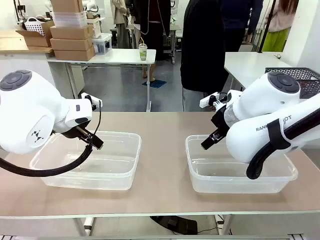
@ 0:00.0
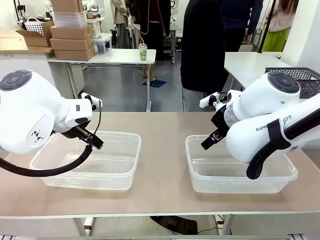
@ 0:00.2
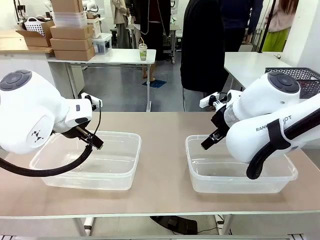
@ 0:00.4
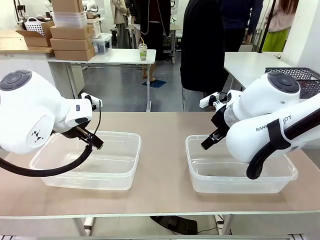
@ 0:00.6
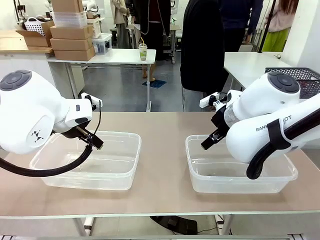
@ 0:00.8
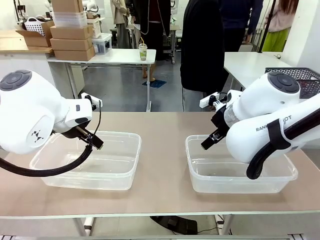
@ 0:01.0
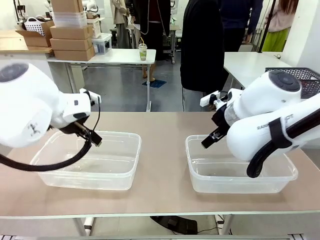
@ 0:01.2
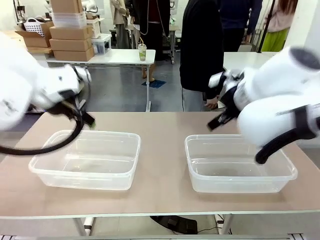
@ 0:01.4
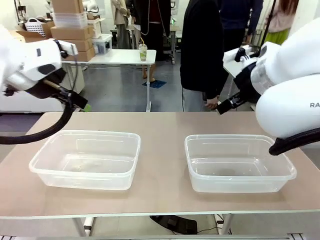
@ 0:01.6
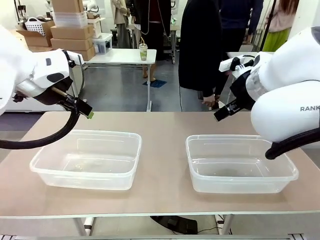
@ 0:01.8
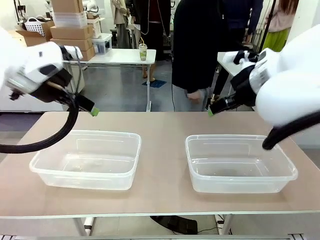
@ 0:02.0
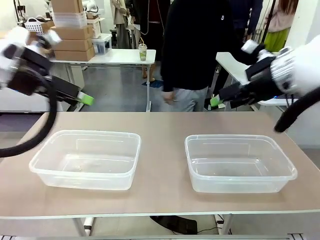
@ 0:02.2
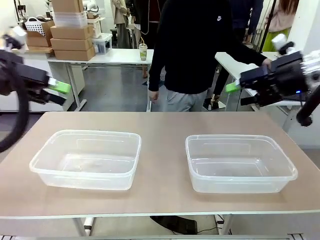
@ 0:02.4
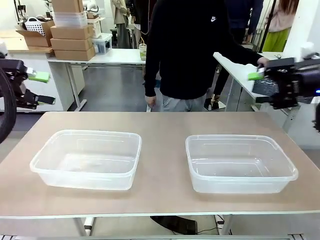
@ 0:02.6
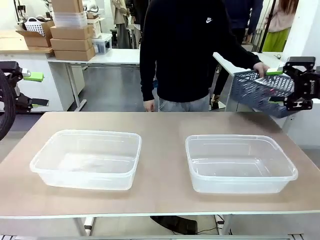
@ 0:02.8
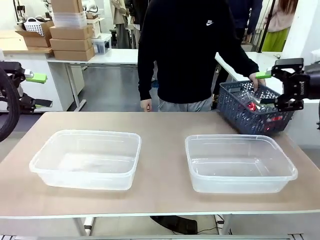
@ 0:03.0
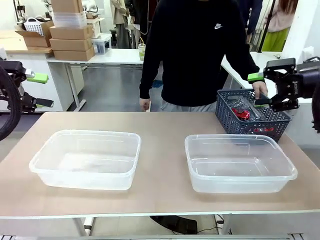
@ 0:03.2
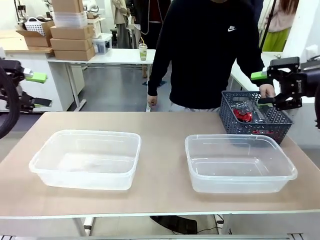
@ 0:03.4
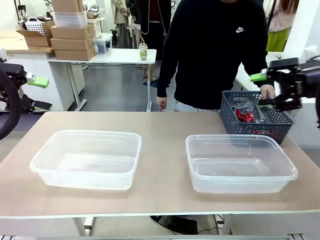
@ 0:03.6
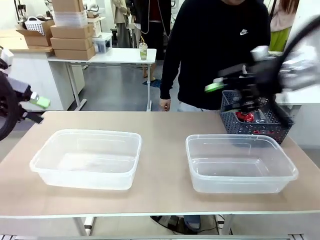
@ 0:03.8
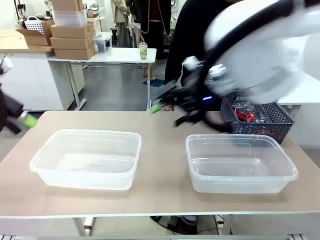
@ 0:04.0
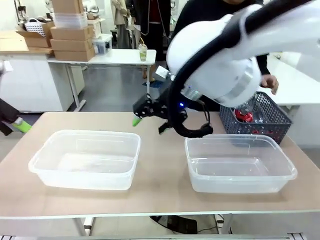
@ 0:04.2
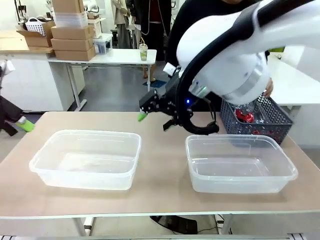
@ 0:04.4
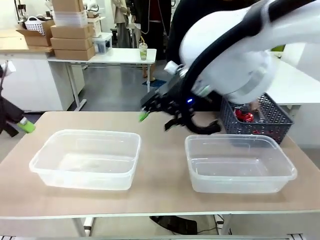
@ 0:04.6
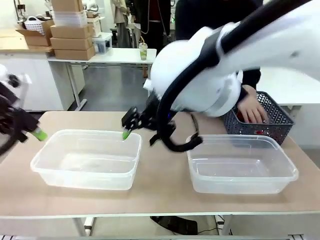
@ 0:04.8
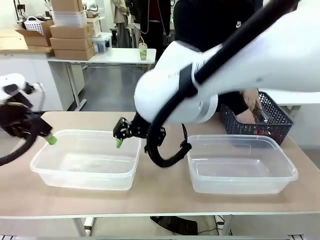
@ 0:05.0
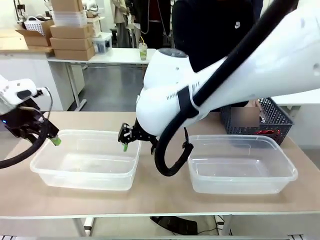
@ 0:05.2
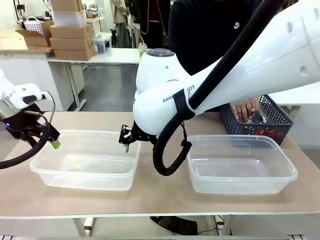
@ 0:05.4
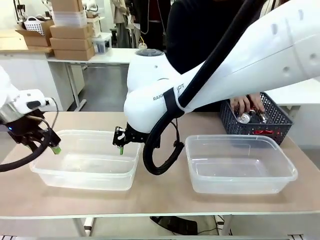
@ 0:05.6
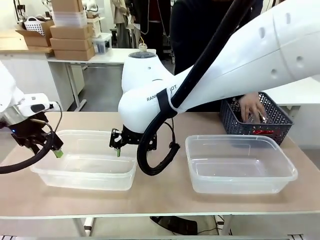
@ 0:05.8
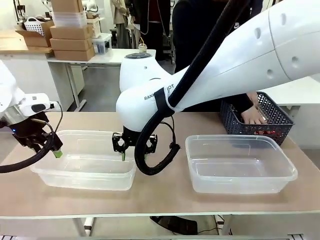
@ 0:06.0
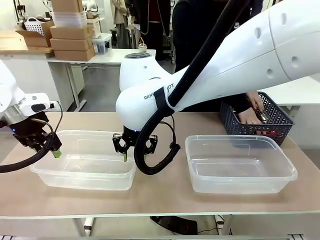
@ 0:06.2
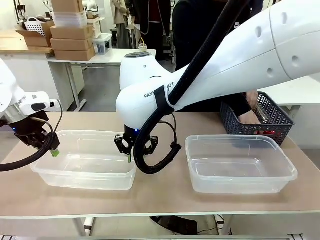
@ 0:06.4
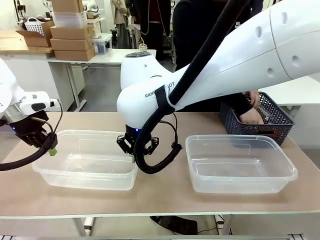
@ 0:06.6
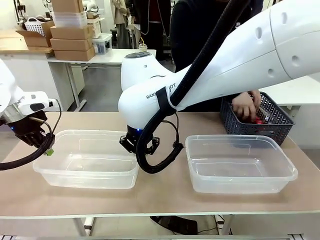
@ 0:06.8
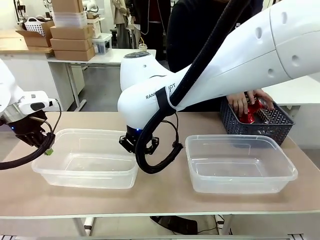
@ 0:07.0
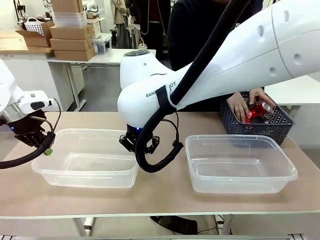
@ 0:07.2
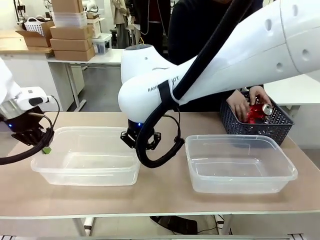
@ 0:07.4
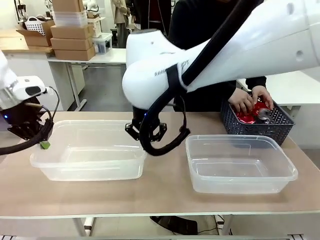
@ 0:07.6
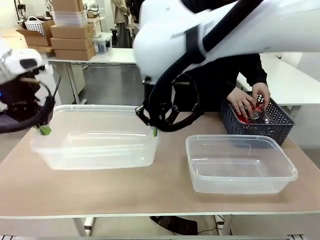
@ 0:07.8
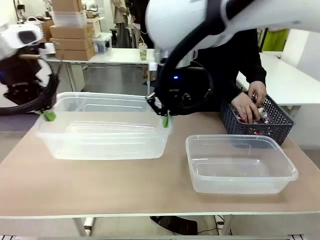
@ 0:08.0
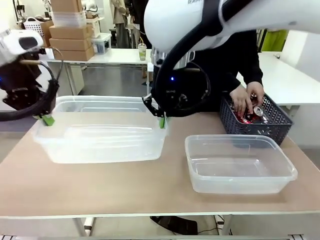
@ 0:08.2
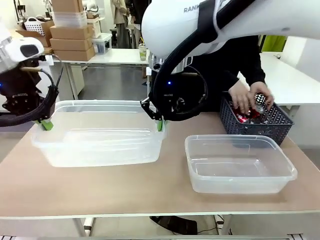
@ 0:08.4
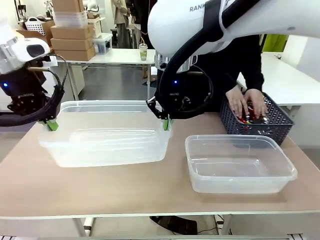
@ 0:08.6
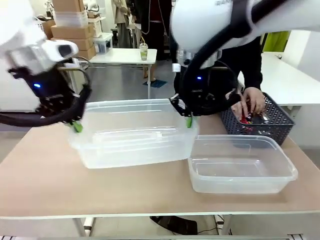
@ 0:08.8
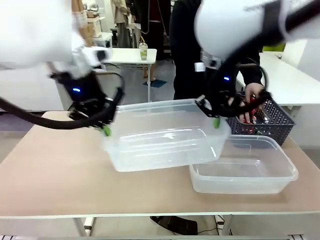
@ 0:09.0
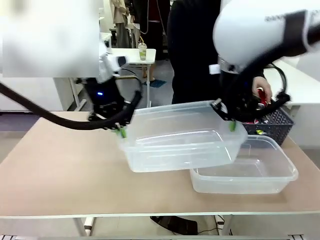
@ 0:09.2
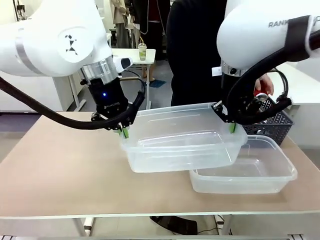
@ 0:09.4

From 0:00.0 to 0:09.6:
Robot: Pick up the Organizing box on the left side of the table and lift it.
Person: Pick up the storage basket and place it on the left side of the robot table. Pick up can-shaped waste one by one and place it into the organizing box lifted by the robot.

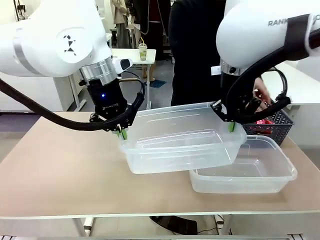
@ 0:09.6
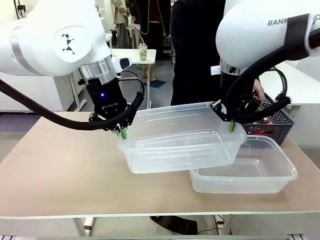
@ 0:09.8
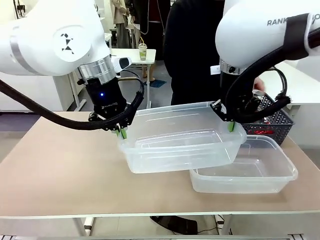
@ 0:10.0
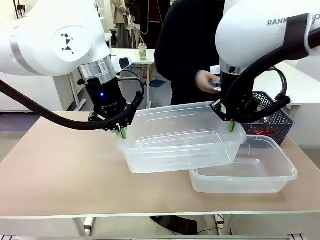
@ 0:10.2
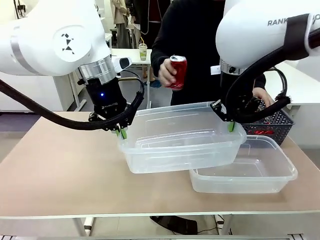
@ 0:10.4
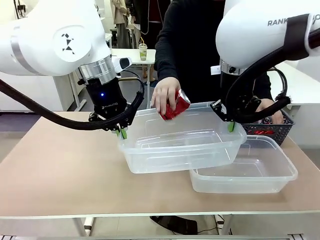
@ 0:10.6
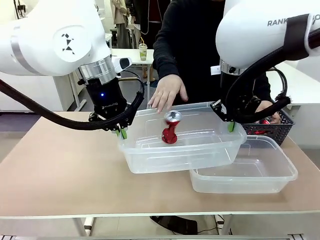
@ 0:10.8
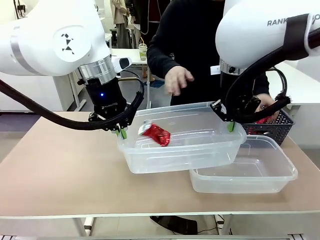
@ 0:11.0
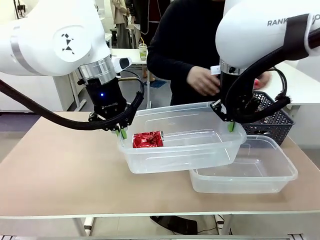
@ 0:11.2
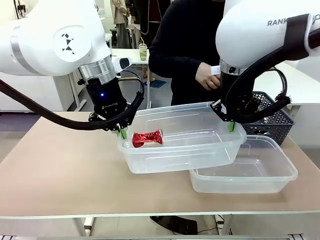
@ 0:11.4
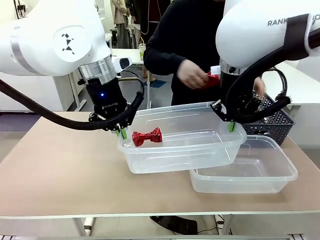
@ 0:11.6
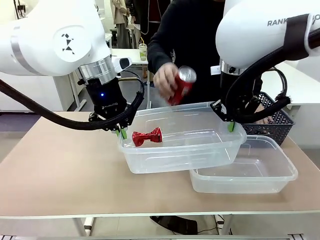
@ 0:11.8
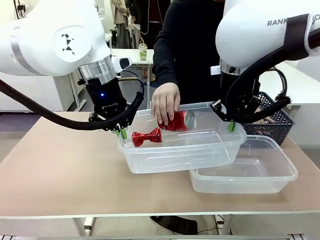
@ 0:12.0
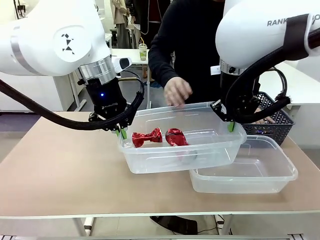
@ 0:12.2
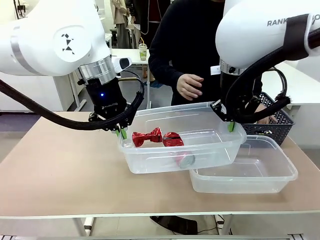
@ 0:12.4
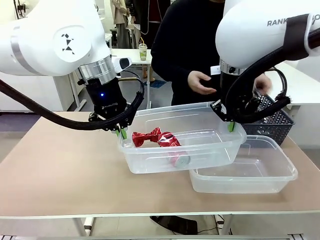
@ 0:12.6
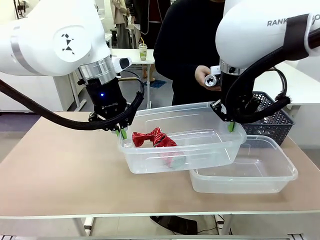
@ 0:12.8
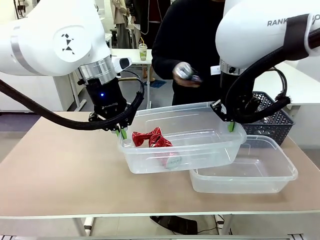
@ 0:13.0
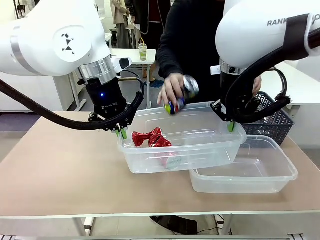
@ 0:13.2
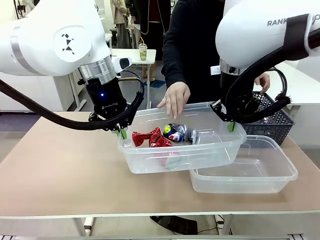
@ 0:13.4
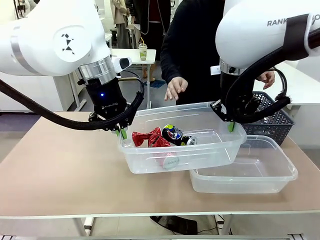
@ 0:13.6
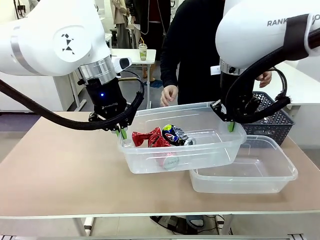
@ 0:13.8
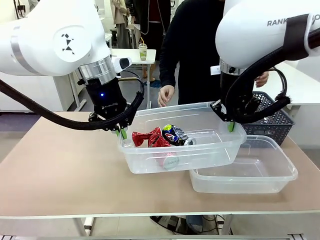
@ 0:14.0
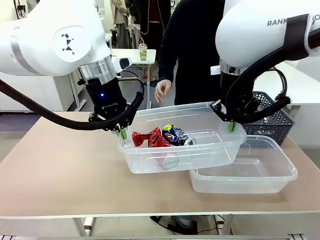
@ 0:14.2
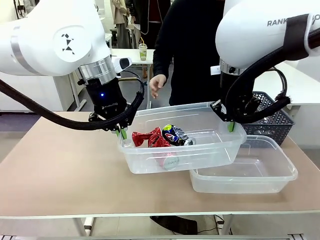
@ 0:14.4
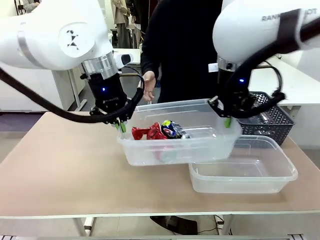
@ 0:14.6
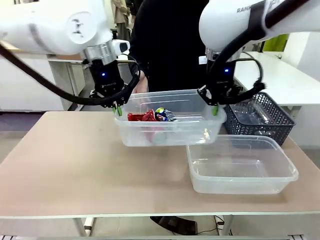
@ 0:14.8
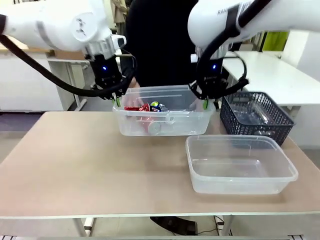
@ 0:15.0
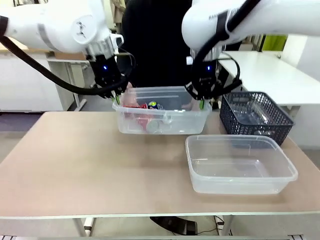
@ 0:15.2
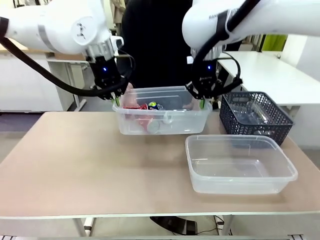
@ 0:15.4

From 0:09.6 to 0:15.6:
Robot: Offer the picked Organizing box to the human.

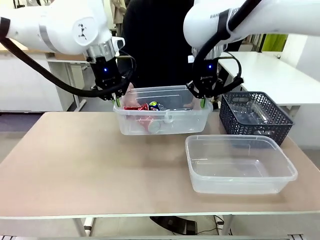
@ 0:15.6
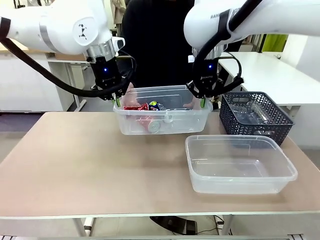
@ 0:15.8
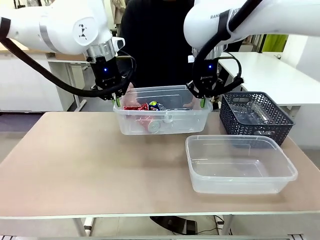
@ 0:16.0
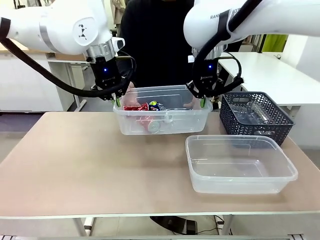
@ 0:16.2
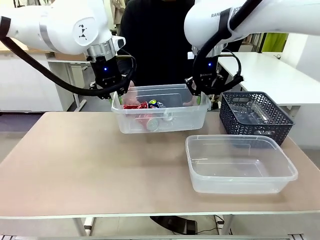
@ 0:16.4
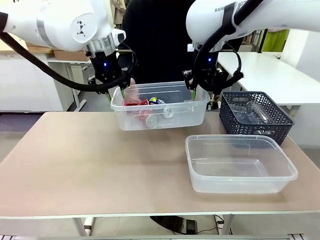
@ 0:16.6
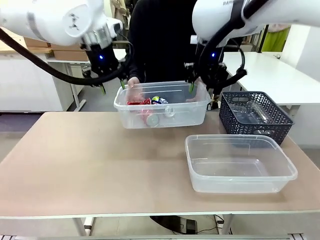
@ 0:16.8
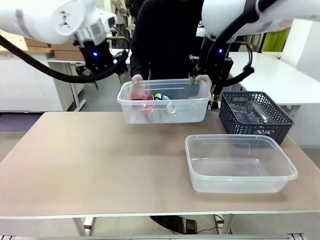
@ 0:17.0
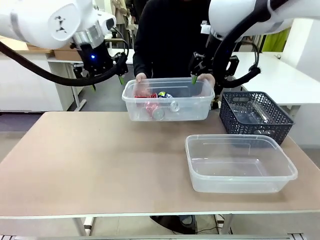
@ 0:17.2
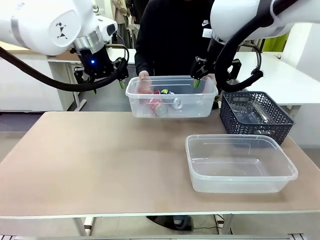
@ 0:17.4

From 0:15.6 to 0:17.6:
Robot: Release the Organizing box you were holding.
